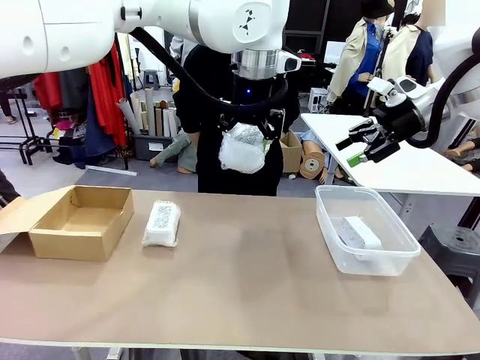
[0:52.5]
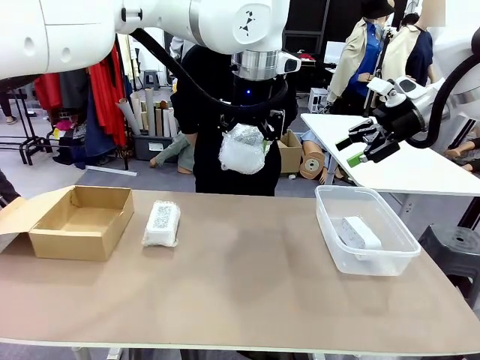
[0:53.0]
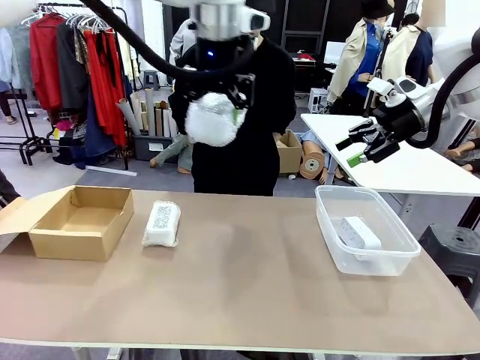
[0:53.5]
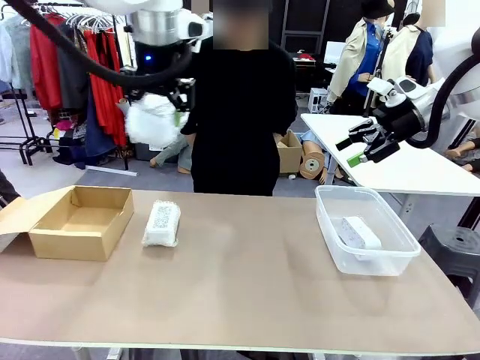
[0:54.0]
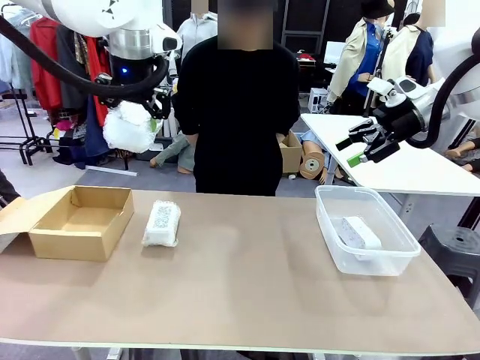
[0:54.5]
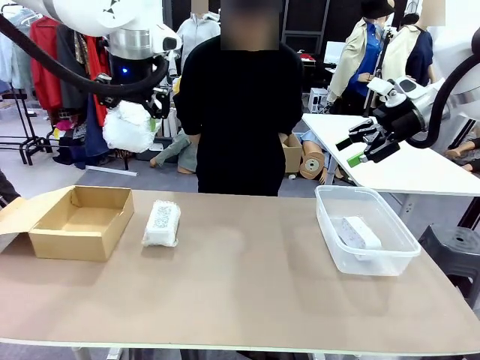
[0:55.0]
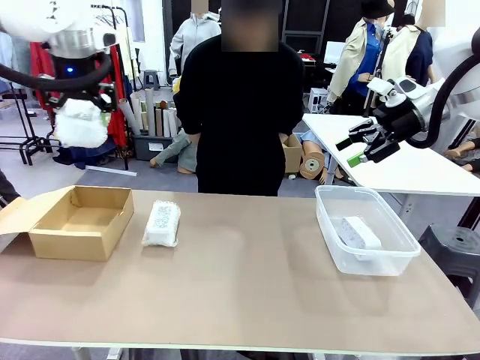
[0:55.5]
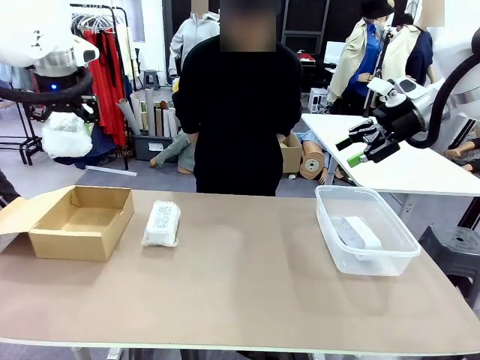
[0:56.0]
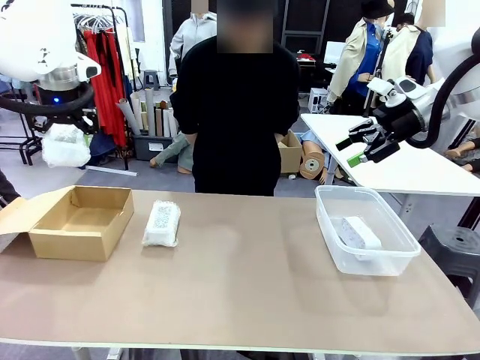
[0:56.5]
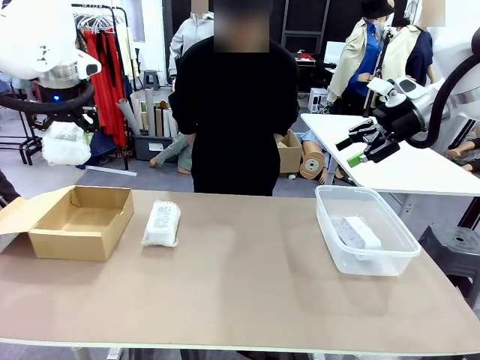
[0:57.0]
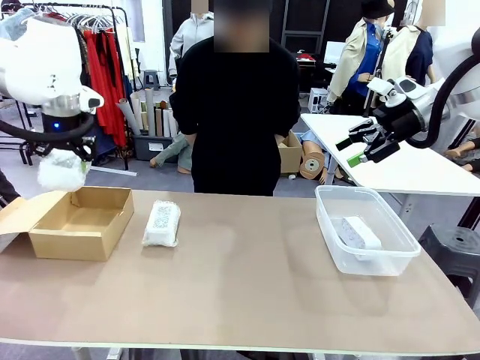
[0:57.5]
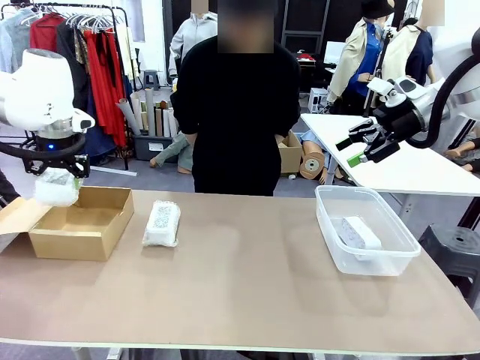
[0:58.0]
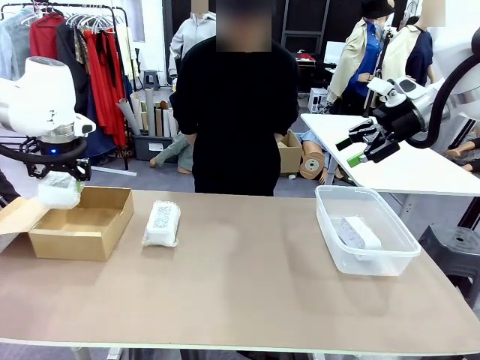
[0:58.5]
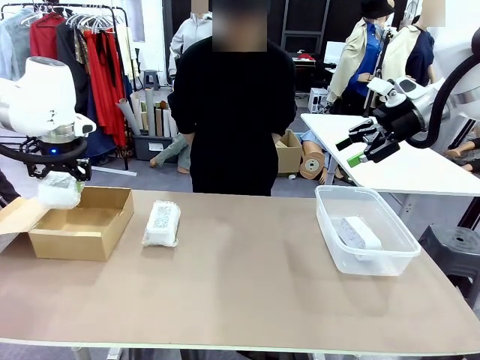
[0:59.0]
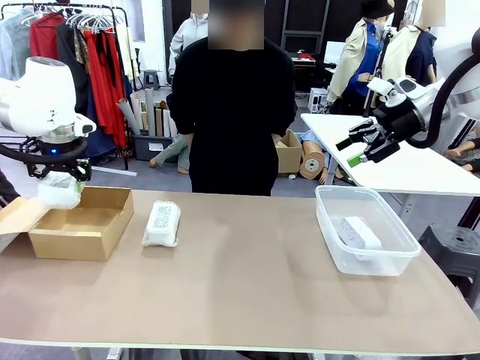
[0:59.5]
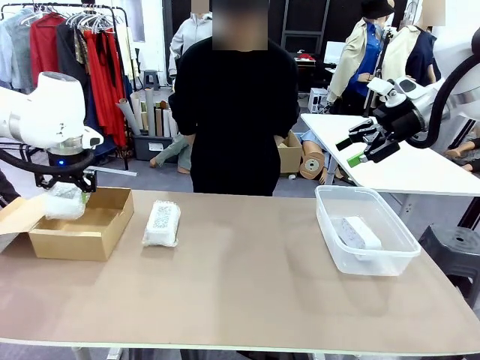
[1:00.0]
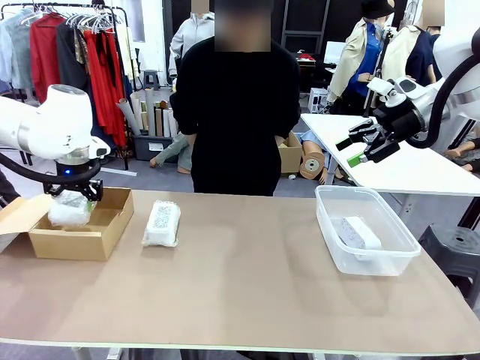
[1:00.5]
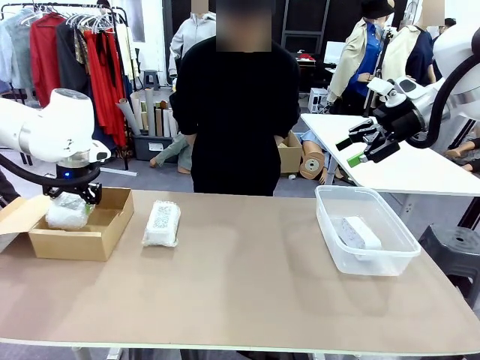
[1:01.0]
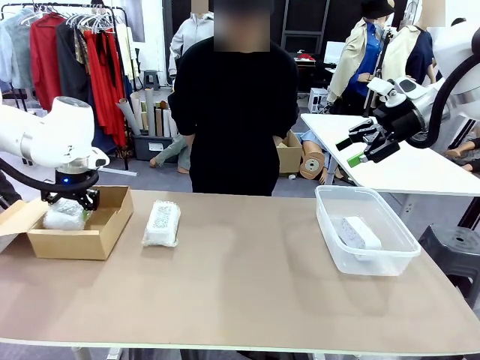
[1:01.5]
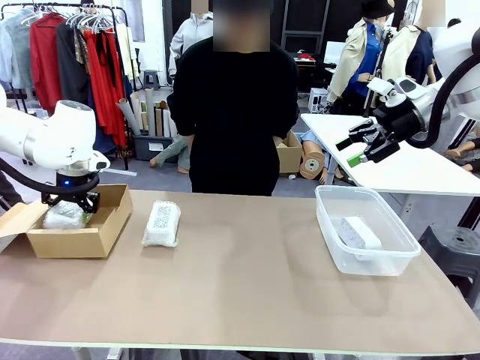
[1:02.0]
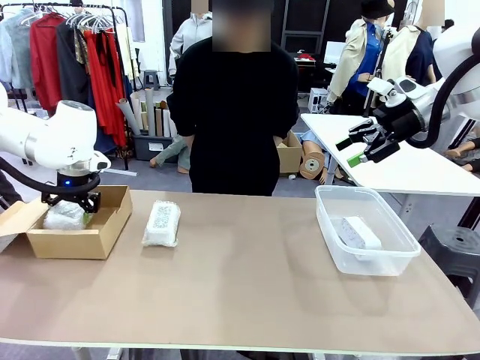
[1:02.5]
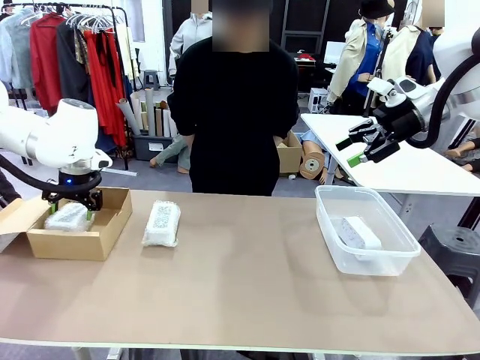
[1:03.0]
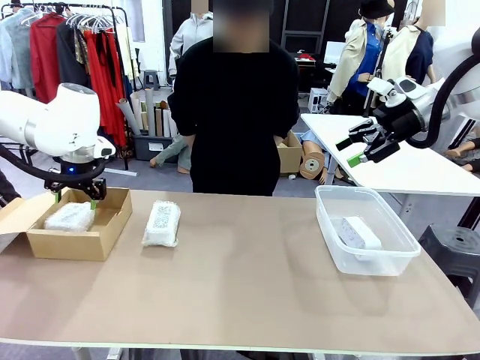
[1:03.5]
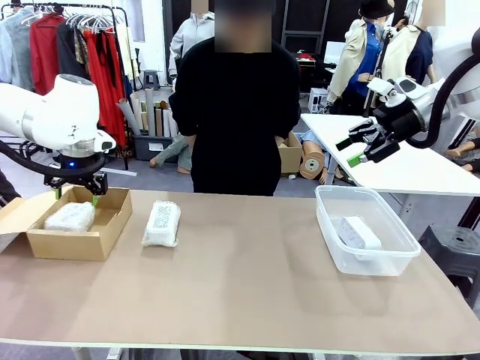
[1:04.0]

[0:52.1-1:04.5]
Task: Separate and place wrapped and unwrapped clocks.
Robot: If the picked Digital clock is wrapped, place it in the Package Box ; if not, place it in the Organizing box.

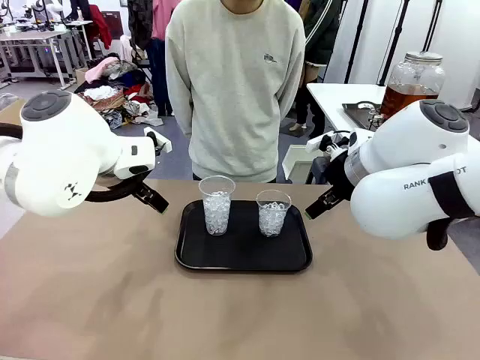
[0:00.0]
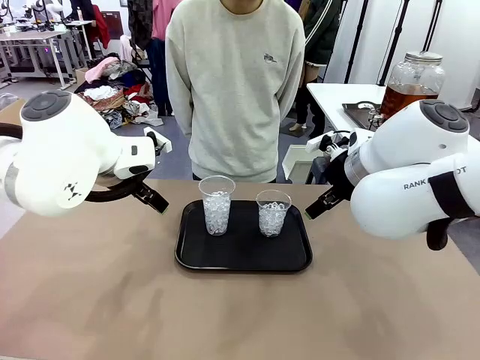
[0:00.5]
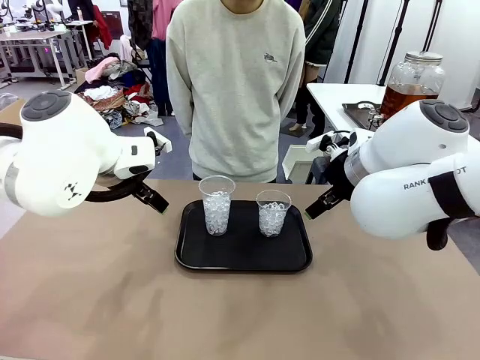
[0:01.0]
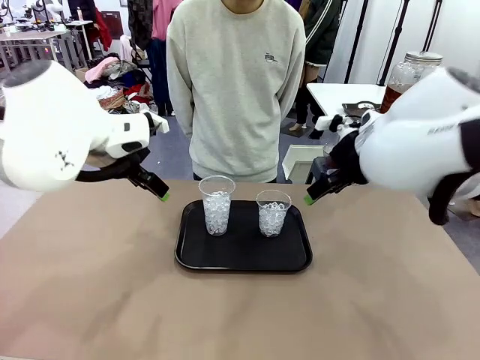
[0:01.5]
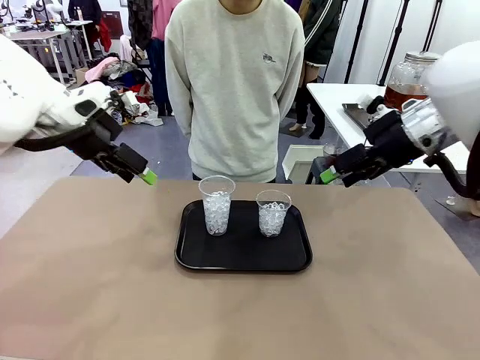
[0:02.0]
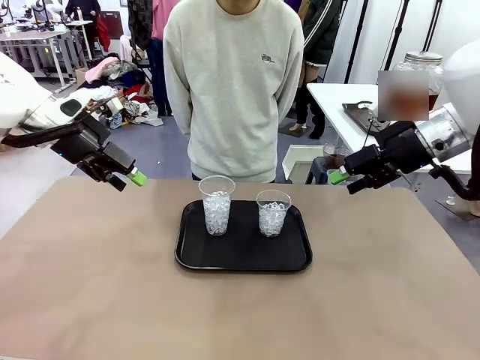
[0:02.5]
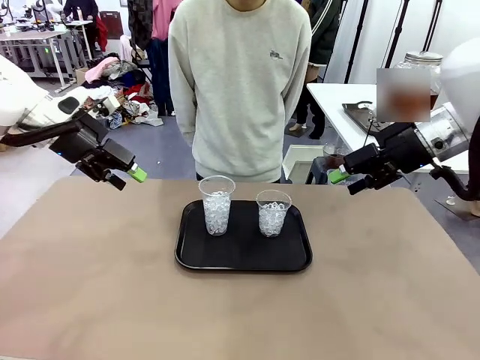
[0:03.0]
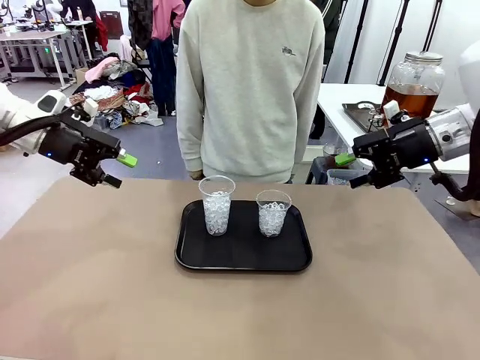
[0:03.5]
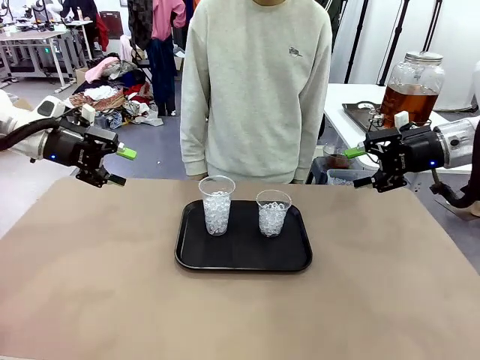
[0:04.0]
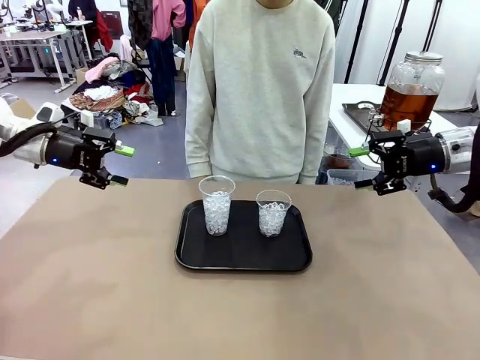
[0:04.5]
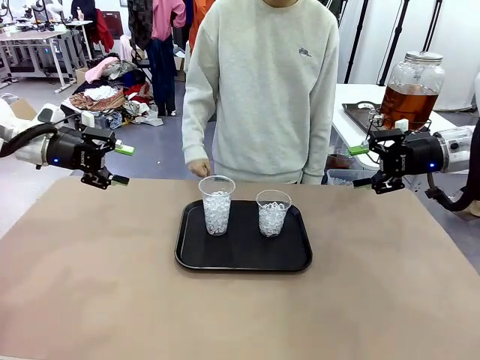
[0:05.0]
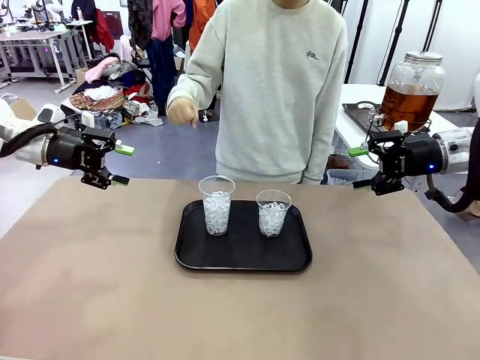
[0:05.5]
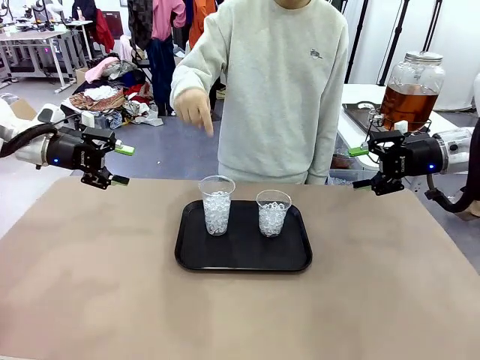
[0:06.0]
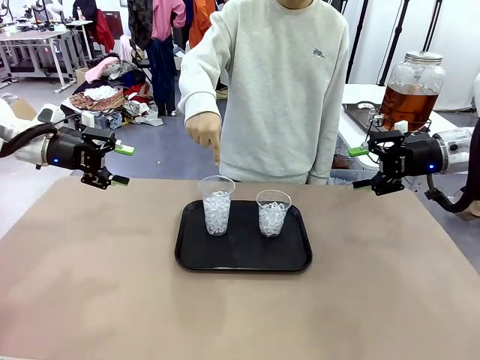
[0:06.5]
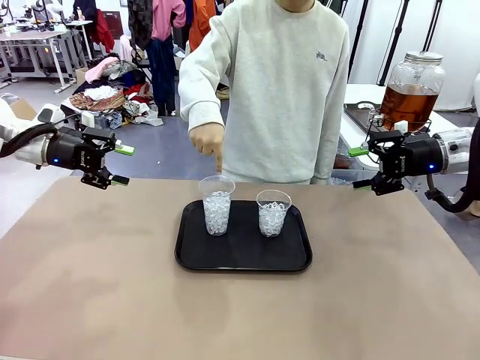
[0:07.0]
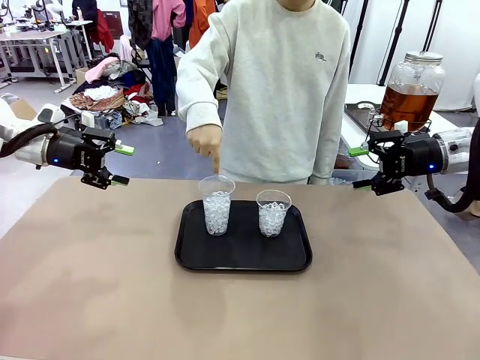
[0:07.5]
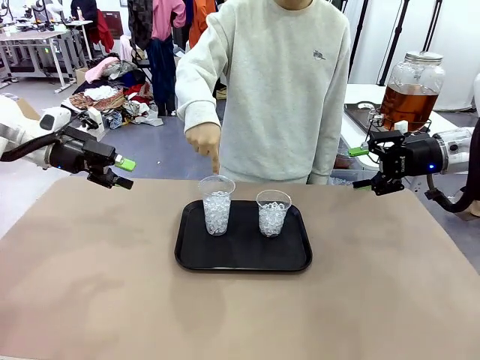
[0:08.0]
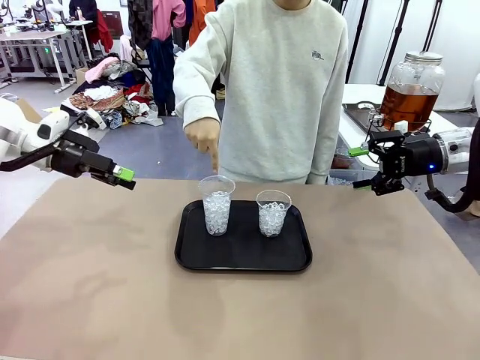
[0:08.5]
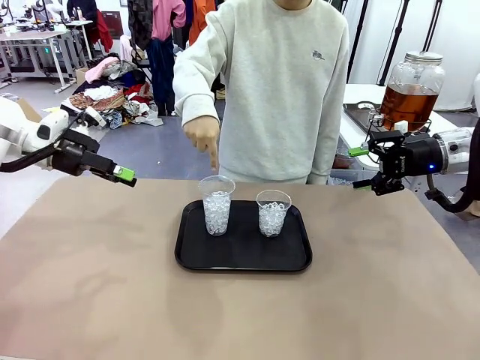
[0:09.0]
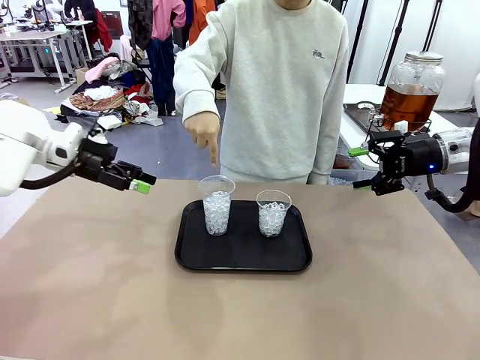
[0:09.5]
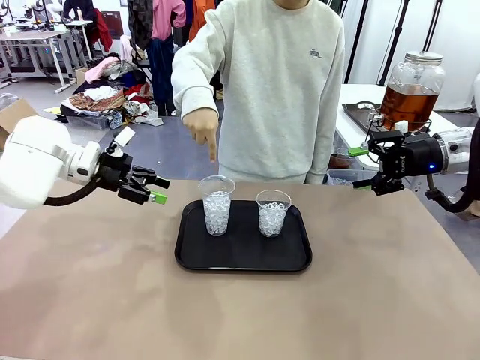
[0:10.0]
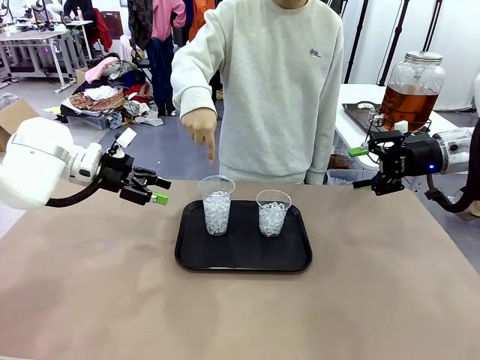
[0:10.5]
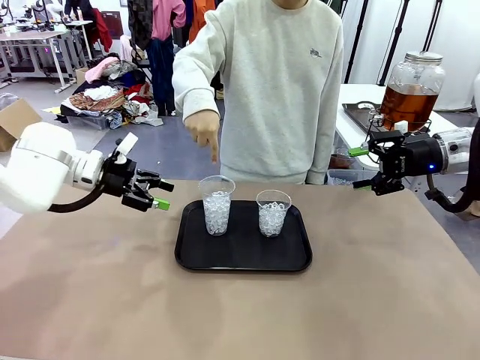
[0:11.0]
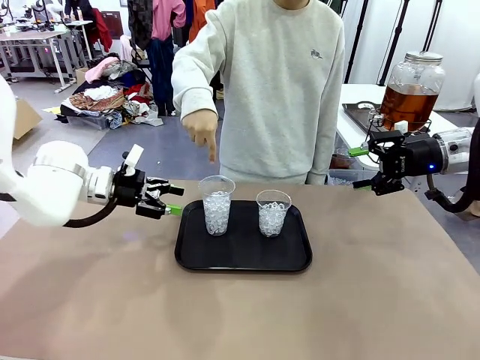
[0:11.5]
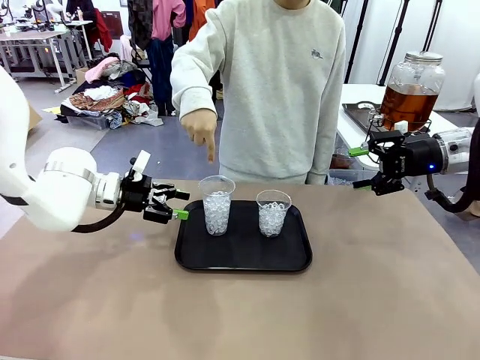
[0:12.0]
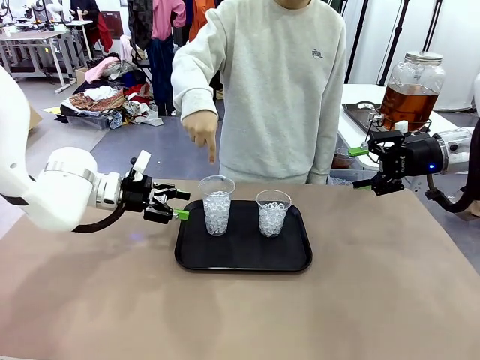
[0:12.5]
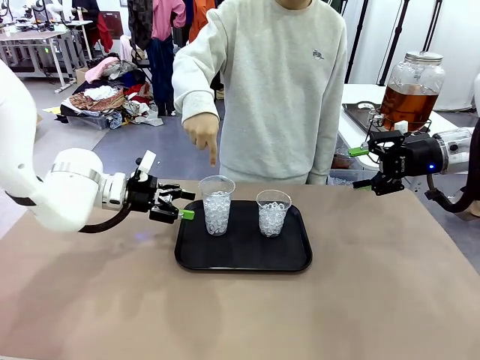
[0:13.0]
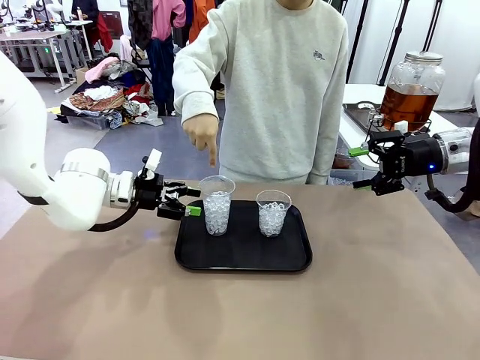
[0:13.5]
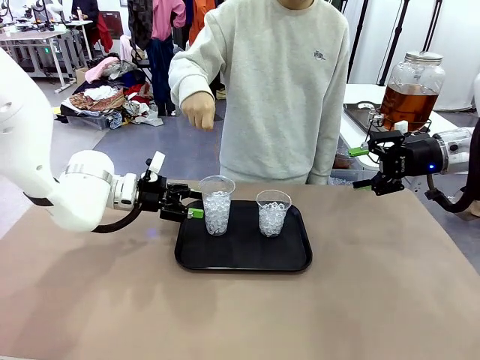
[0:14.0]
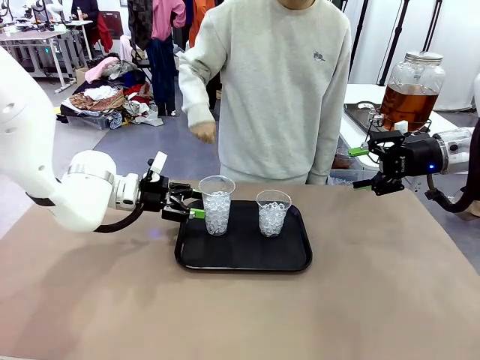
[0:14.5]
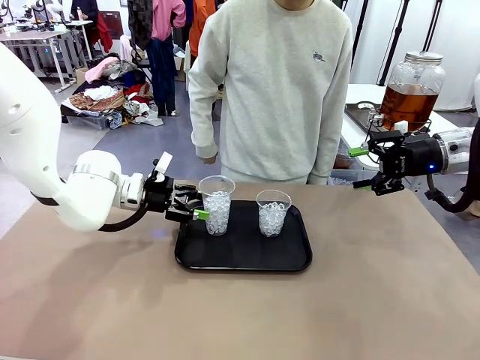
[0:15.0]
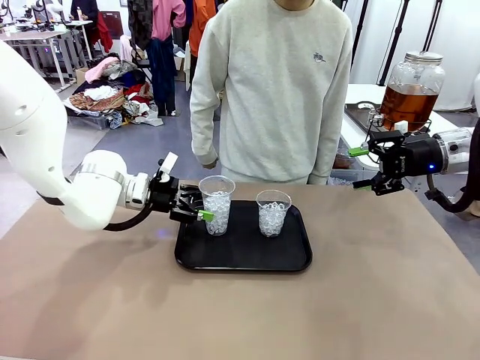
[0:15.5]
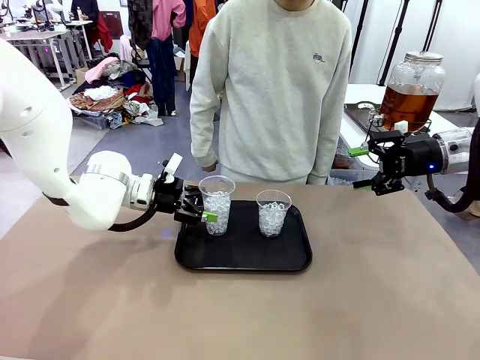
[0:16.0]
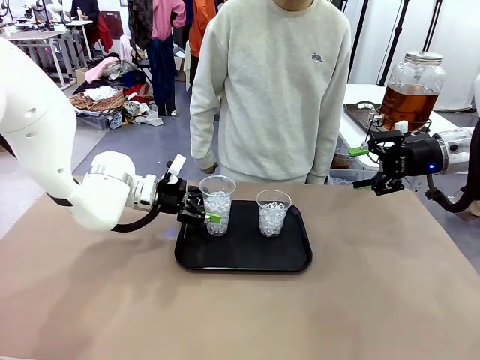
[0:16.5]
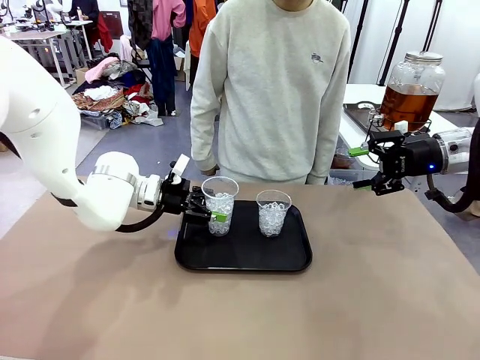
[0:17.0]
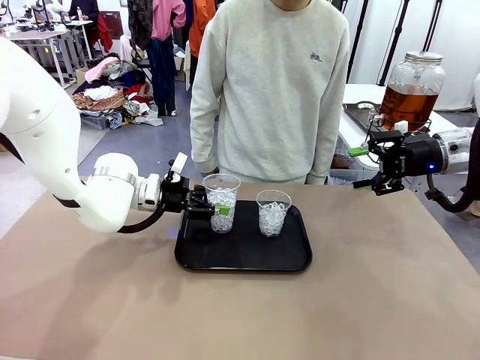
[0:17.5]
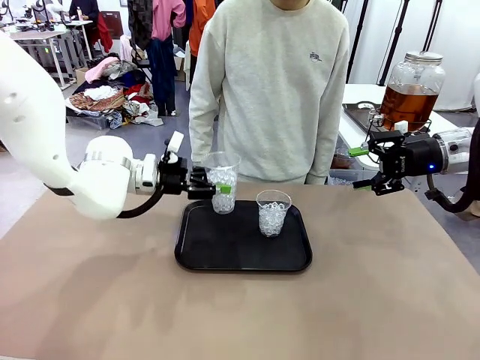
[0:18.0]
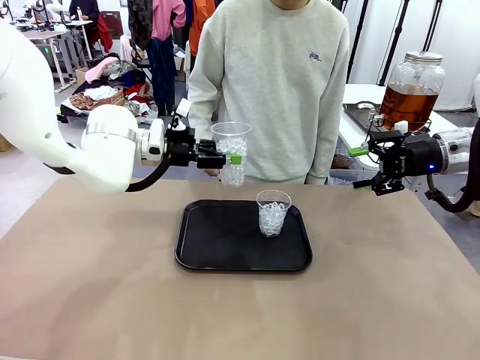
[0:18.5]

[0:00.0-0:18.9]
Task: Pour the drink into the iced cup.
Robot: Pick up the iced cup indicated by the human and present it to them.
Person: Point to one of the two ice cups. Pick up the cup offered by the robot.
